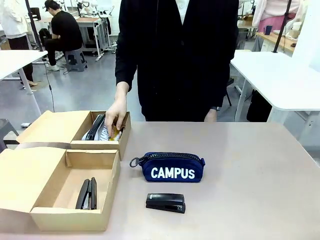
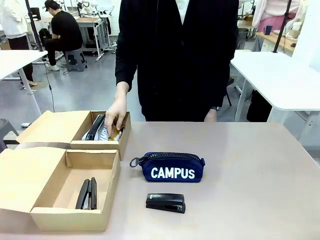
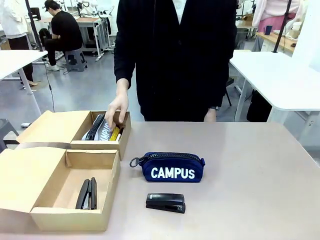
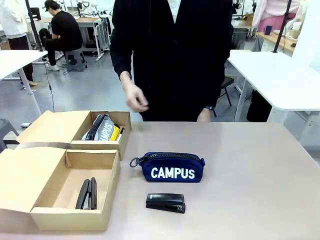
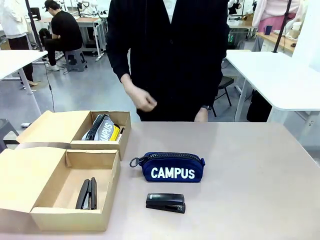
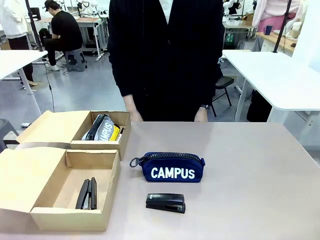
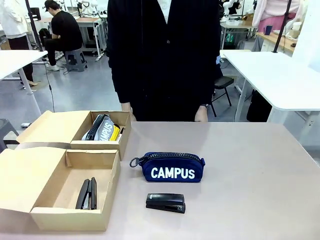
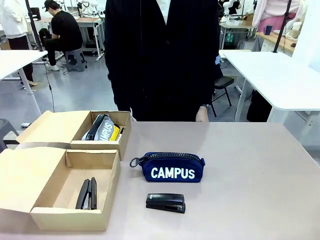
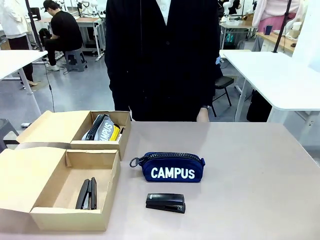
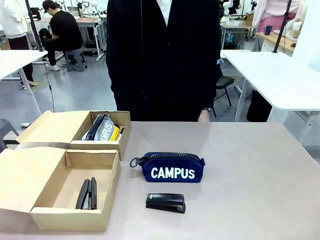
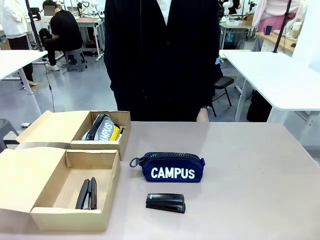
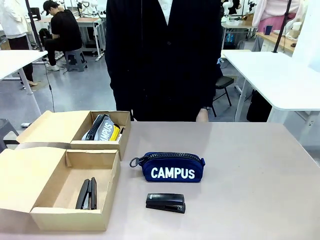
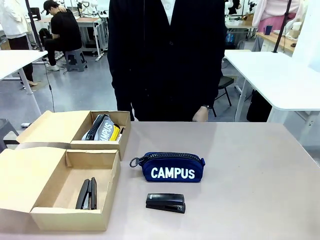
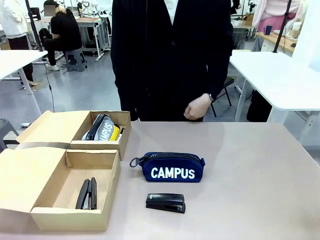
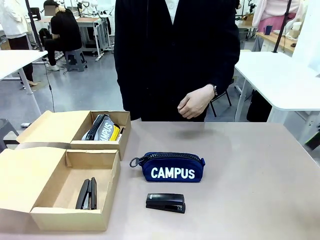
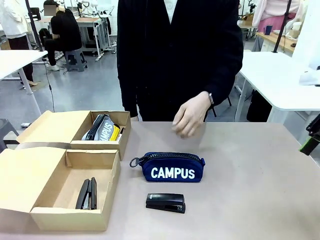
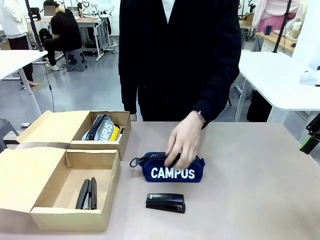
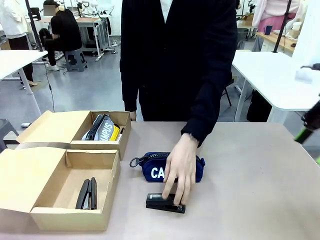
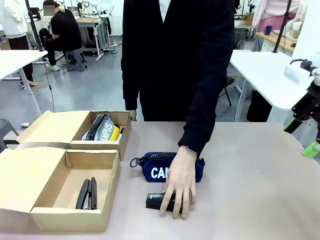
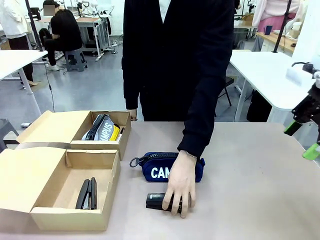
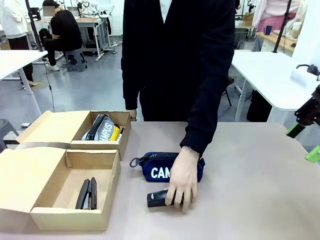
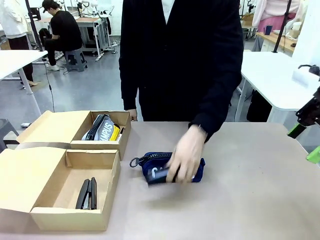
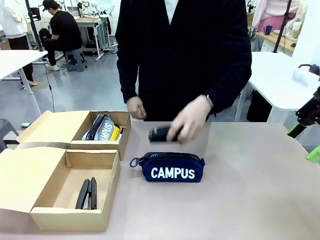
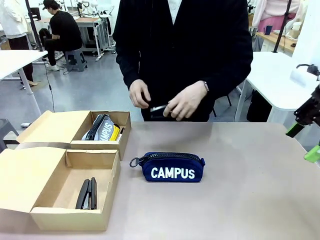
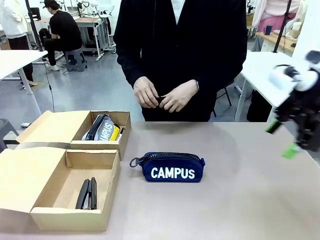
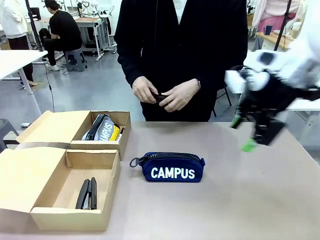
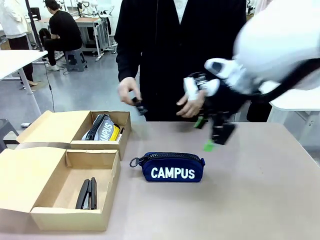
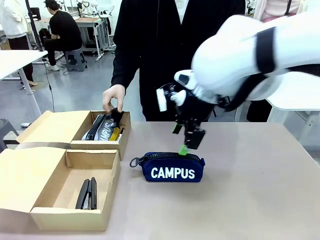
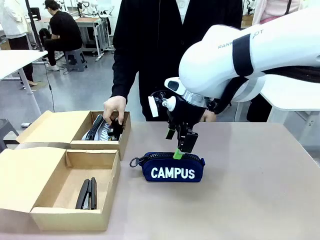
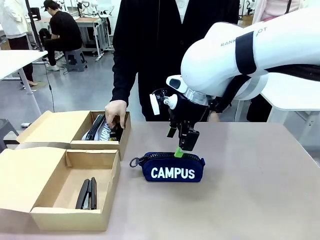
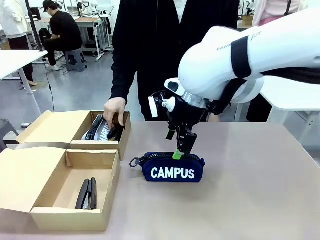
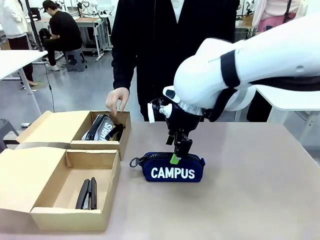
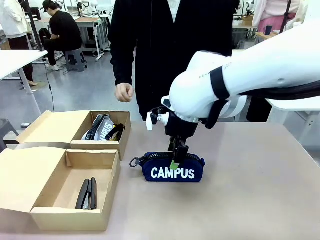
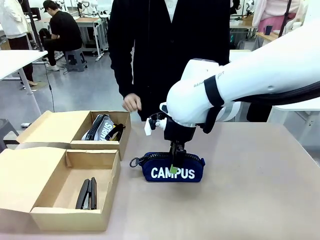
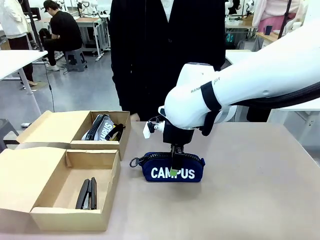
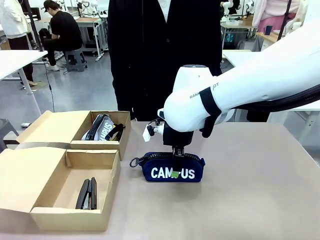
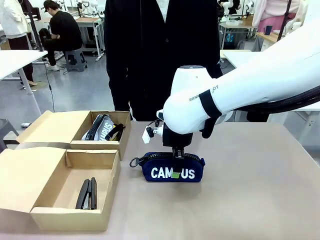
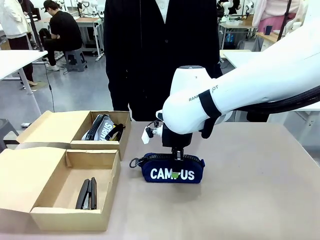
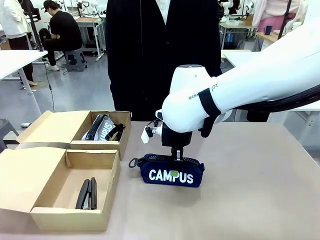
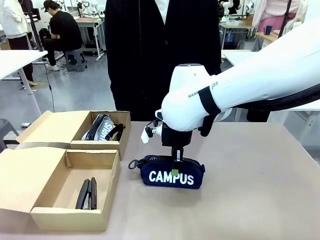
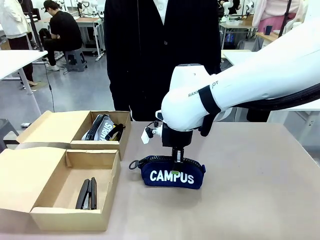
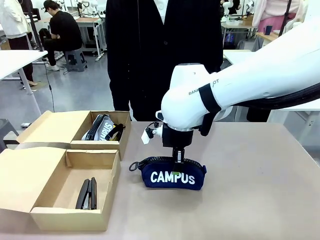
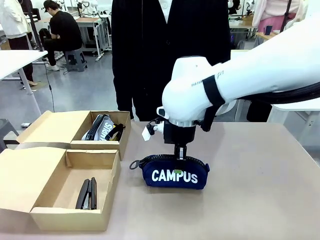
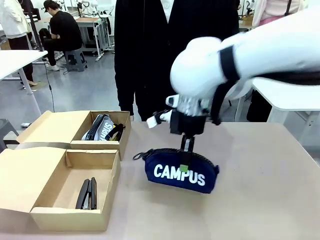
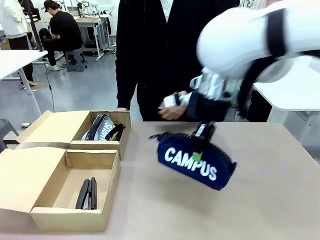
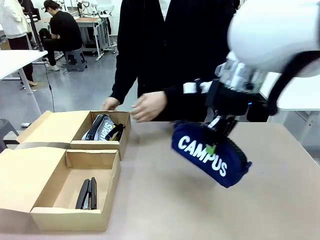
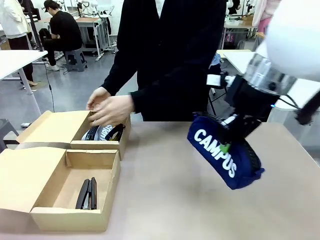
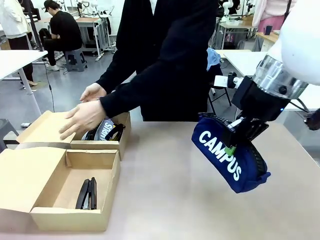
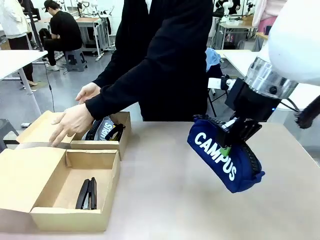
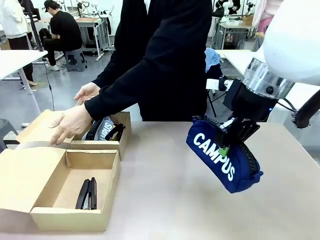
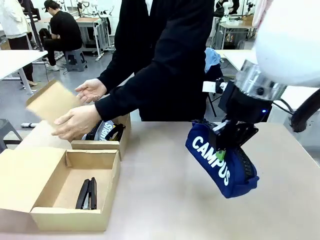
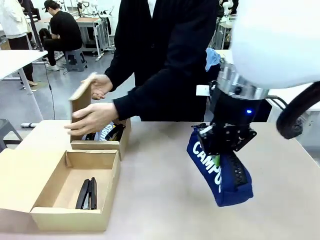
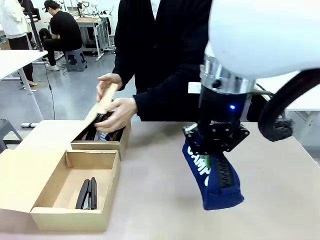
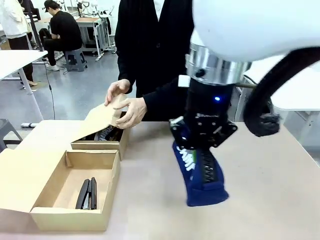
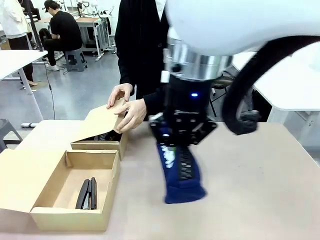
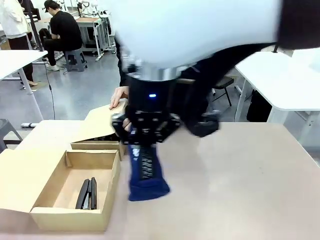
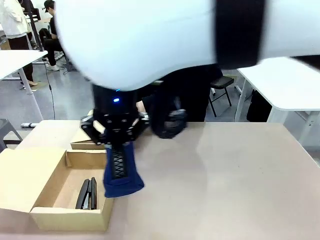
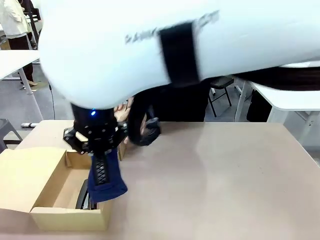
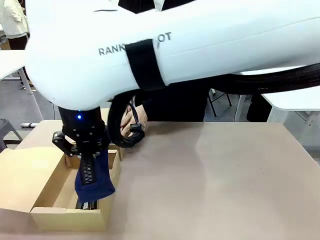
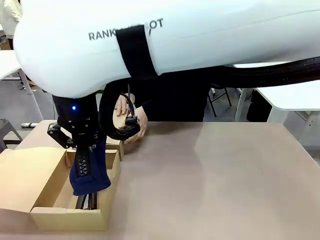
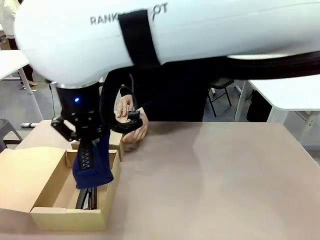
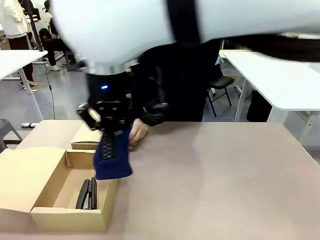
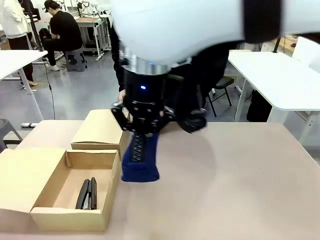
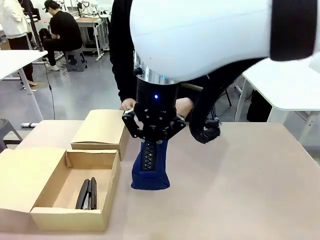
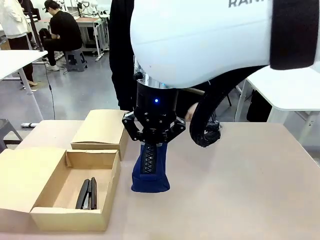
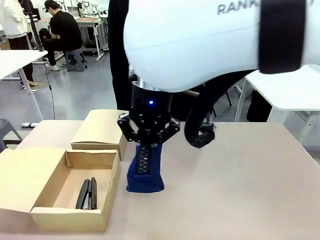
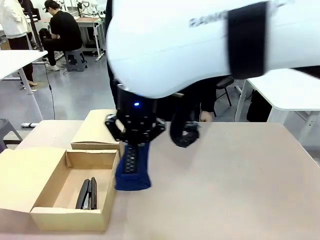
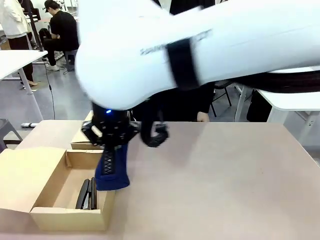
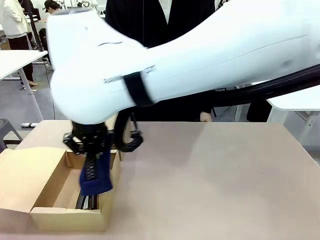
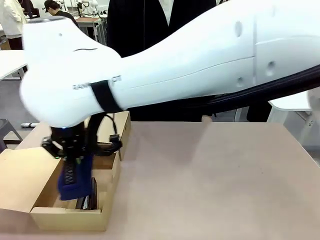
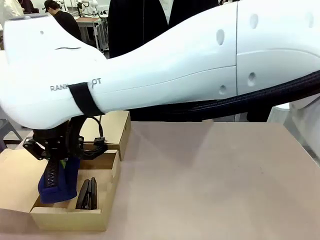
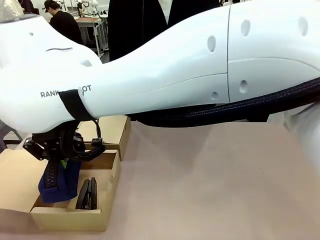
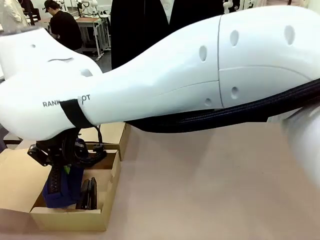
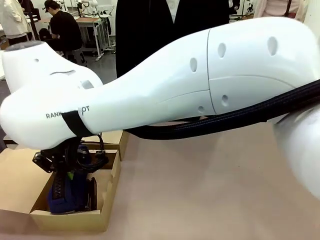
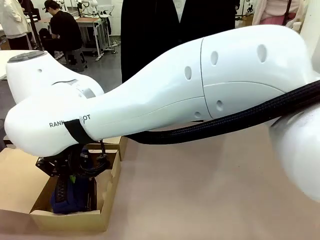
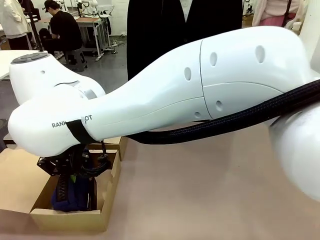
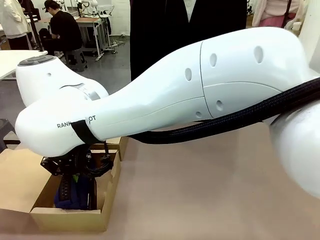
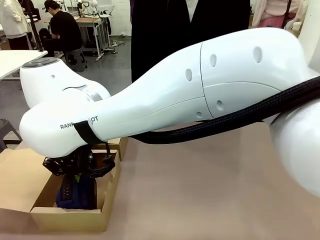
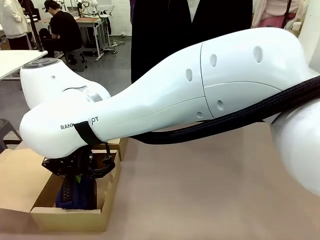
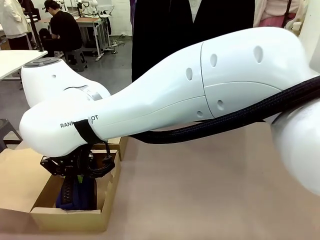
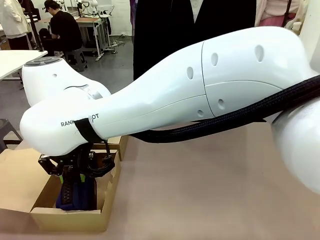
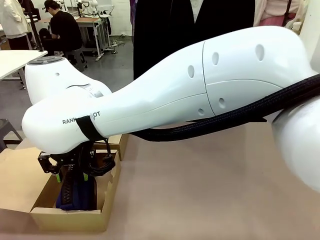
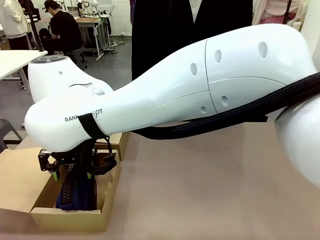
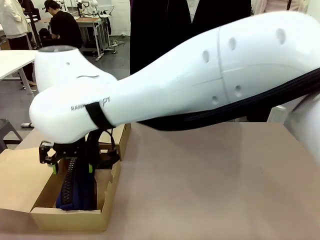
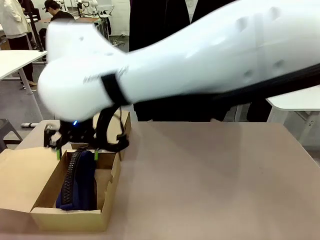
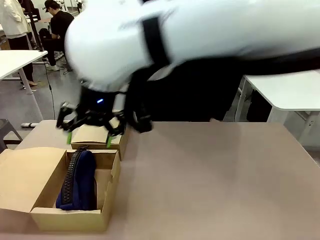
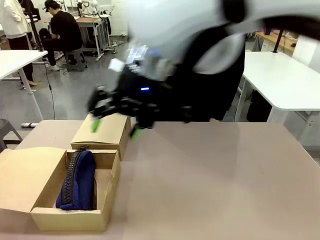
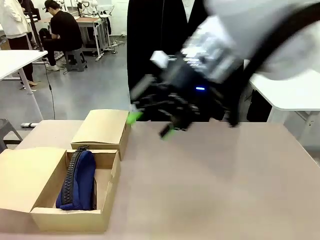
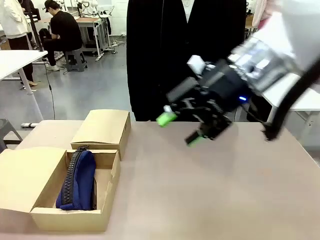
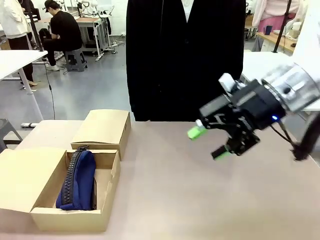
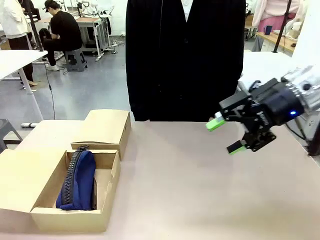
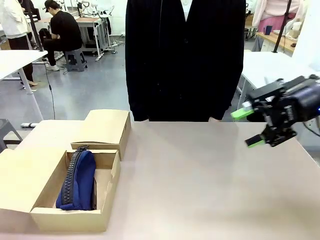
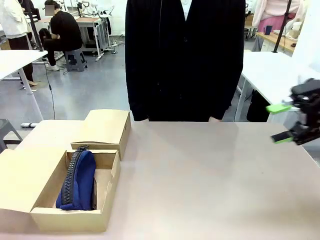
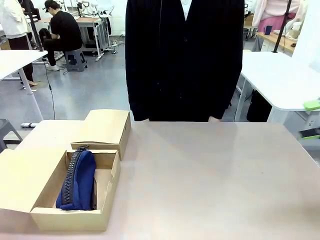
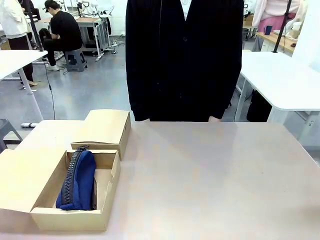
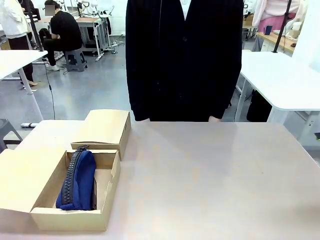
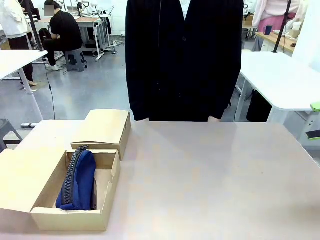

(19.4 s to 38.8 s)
Task: Place items inside the box.
Robot: Pick up a Pencil pouch or Stapler and place it inside the Mailer Box closest to the robot.
